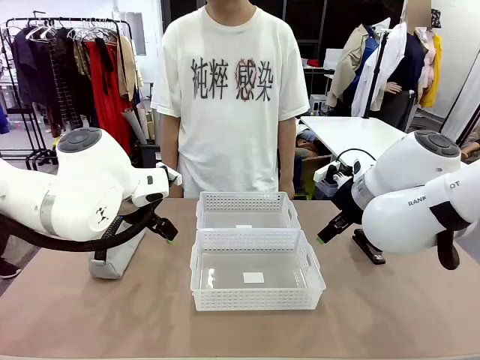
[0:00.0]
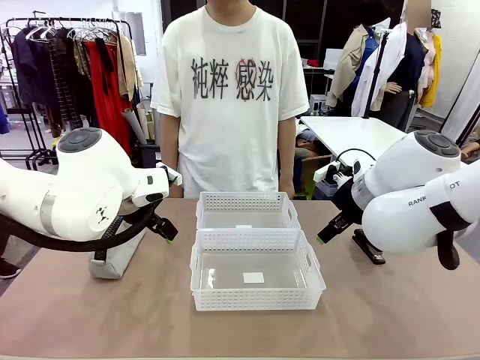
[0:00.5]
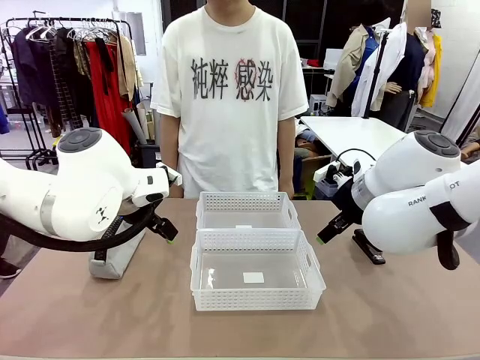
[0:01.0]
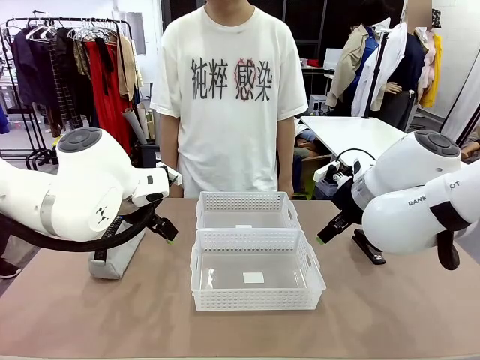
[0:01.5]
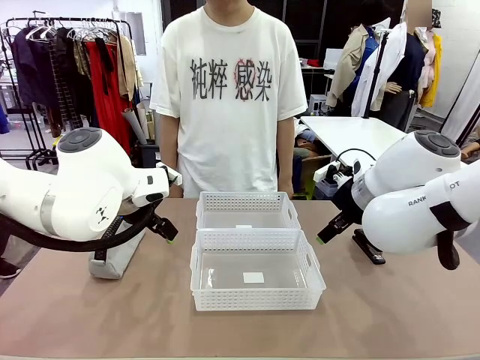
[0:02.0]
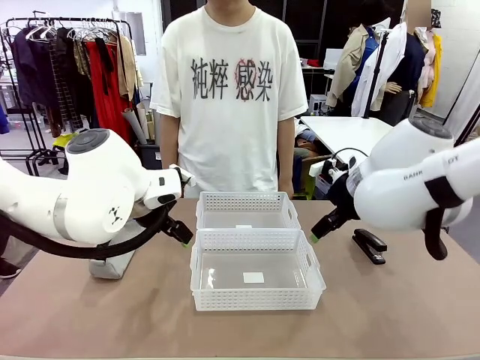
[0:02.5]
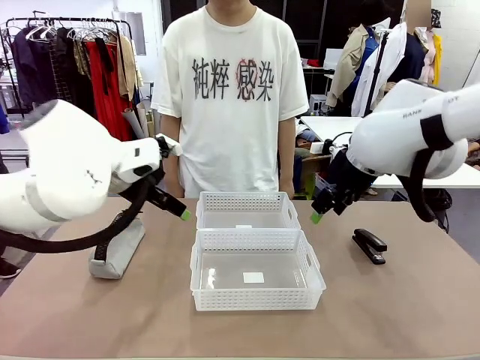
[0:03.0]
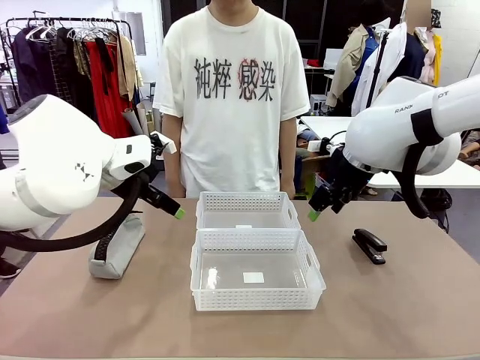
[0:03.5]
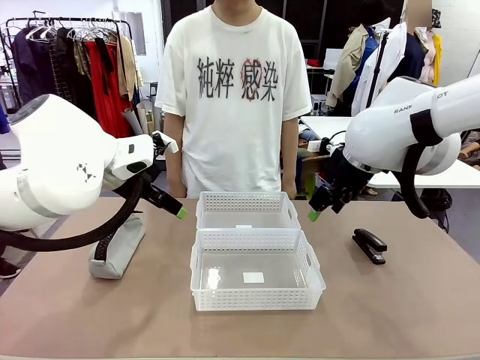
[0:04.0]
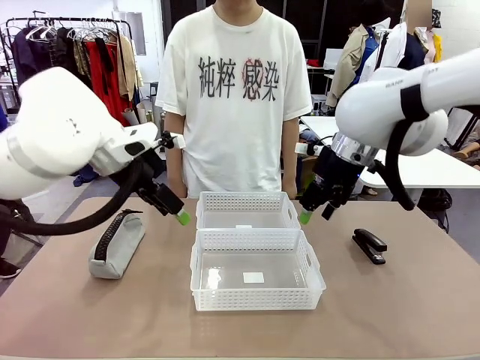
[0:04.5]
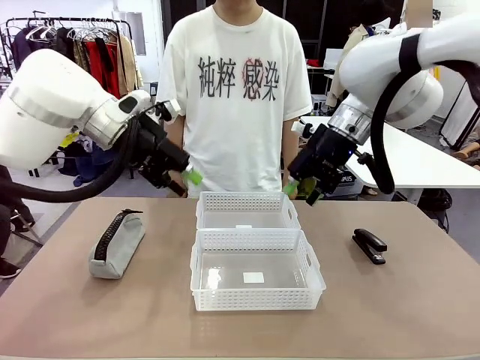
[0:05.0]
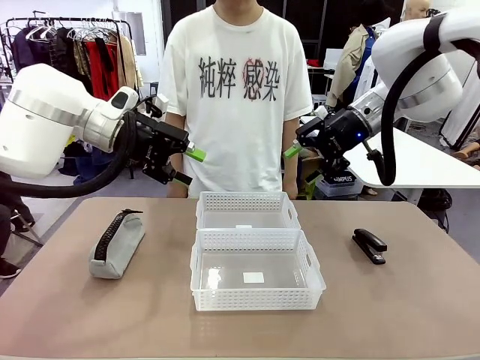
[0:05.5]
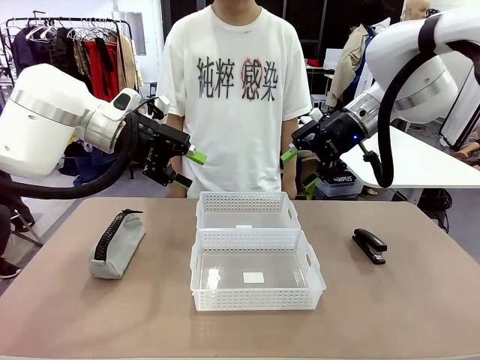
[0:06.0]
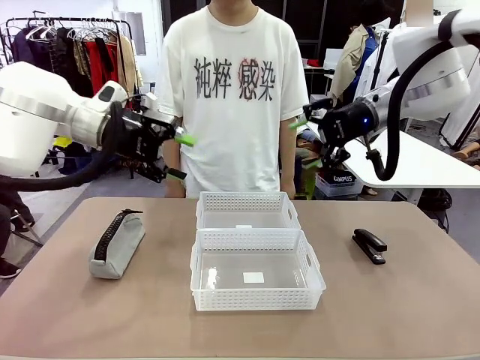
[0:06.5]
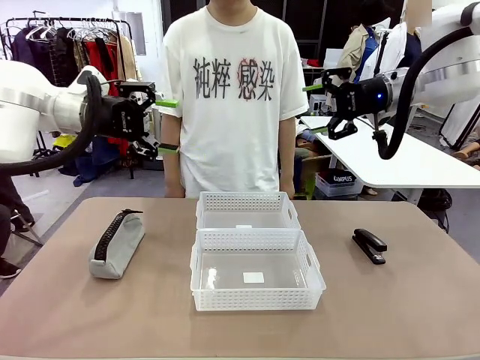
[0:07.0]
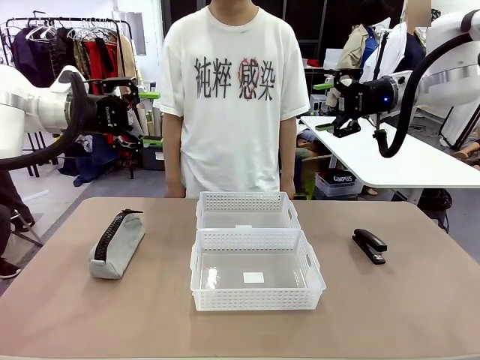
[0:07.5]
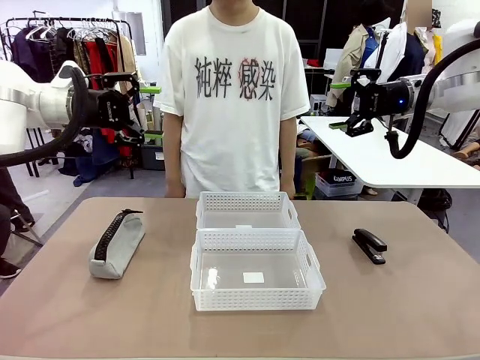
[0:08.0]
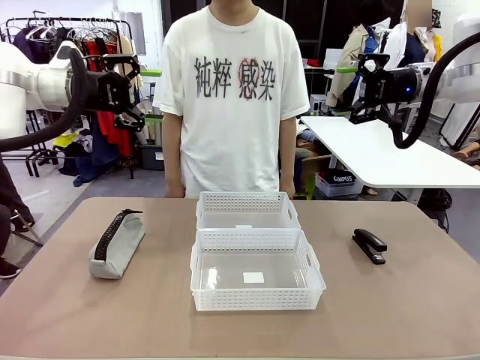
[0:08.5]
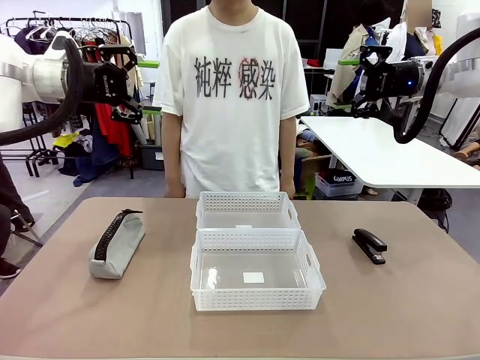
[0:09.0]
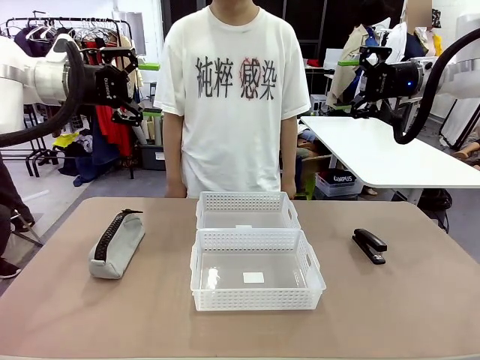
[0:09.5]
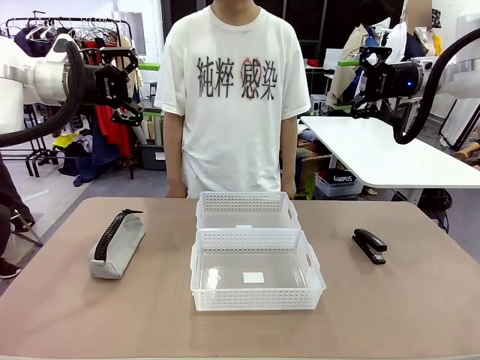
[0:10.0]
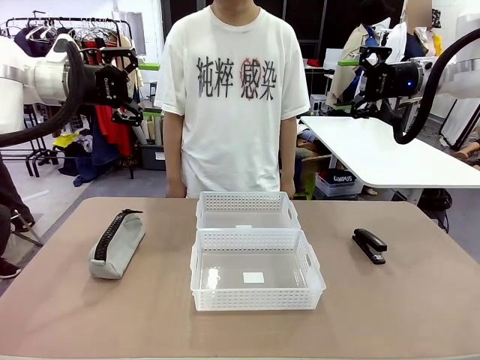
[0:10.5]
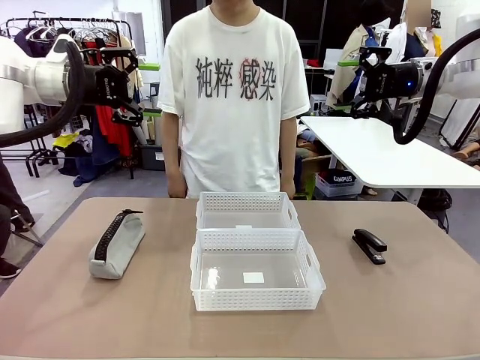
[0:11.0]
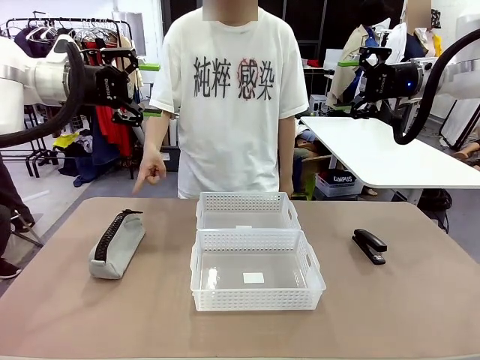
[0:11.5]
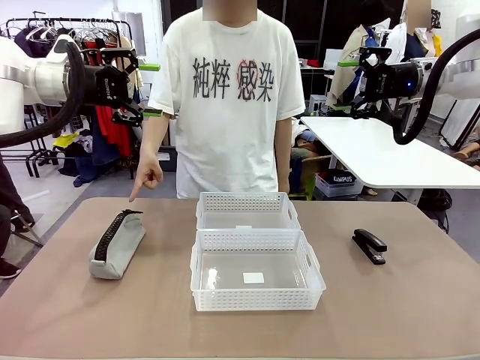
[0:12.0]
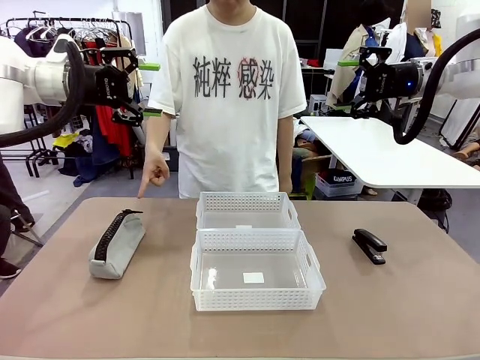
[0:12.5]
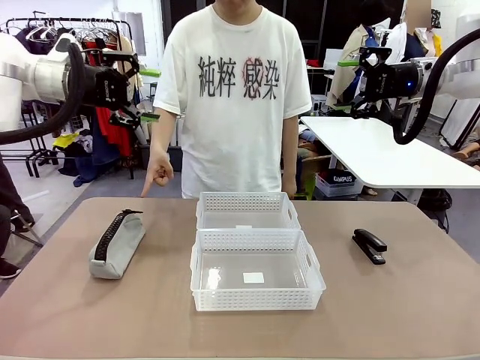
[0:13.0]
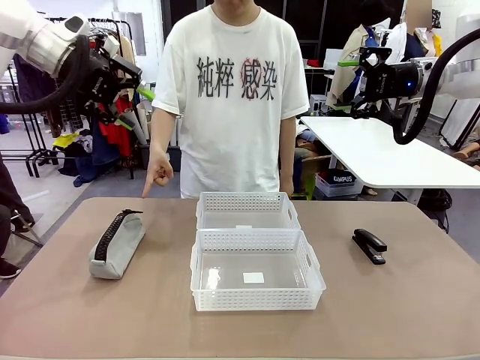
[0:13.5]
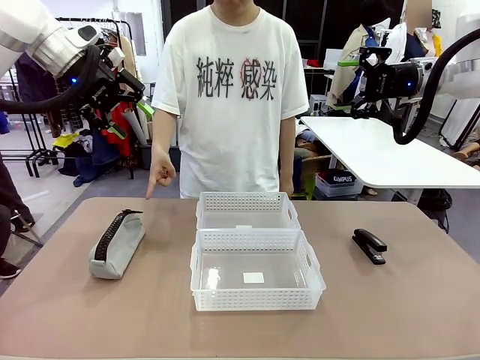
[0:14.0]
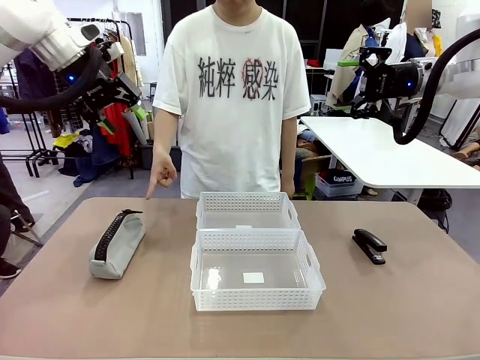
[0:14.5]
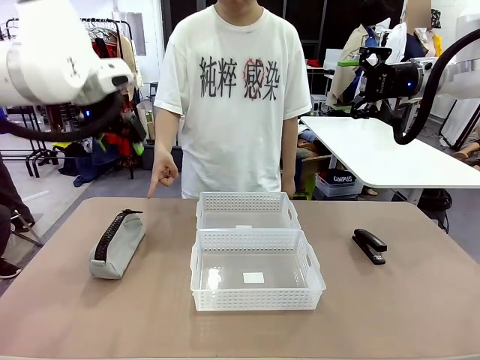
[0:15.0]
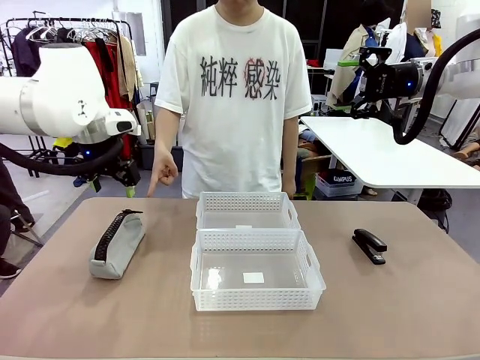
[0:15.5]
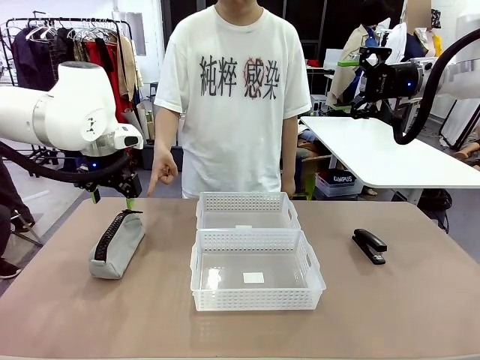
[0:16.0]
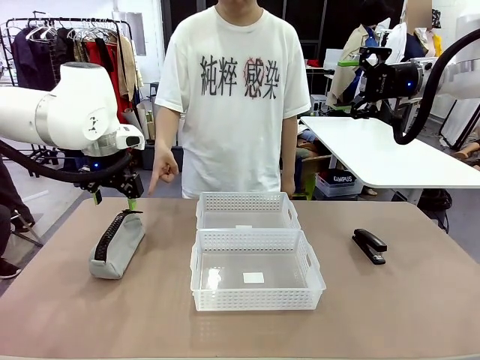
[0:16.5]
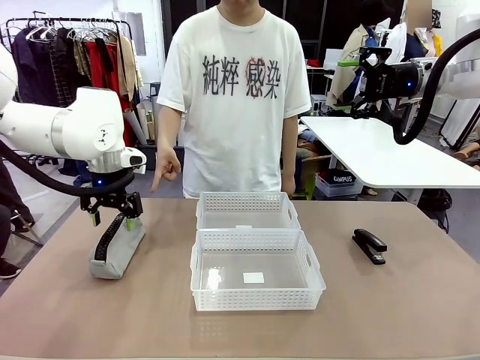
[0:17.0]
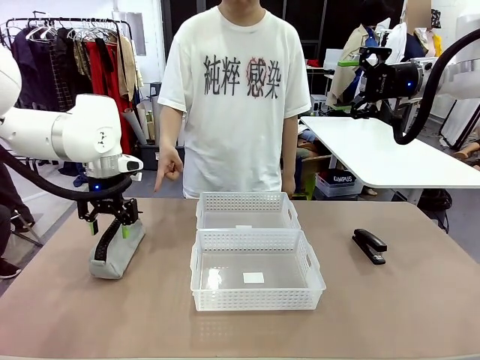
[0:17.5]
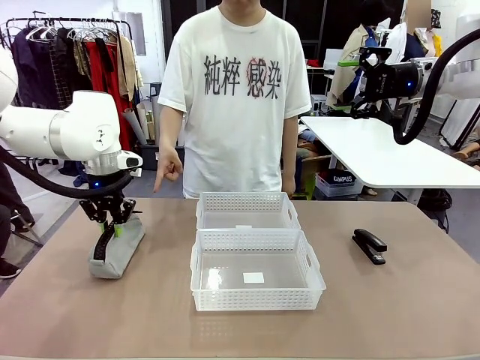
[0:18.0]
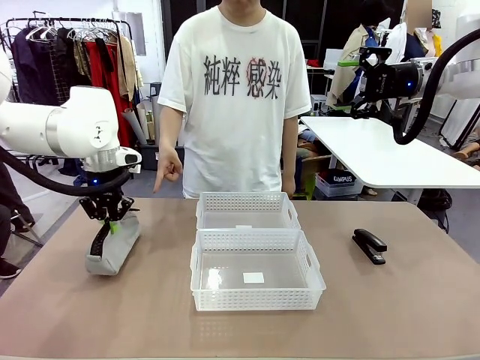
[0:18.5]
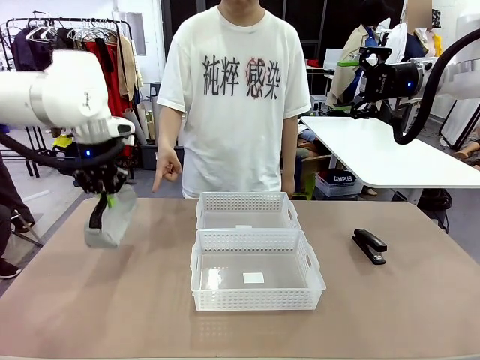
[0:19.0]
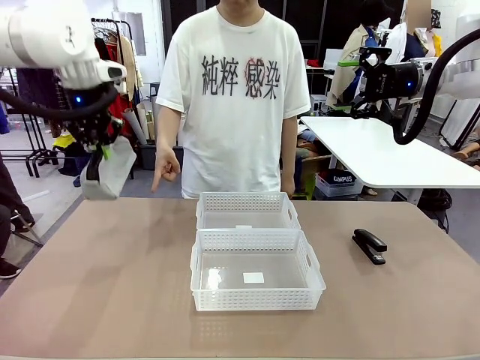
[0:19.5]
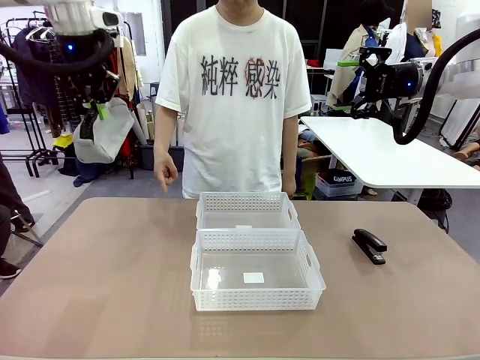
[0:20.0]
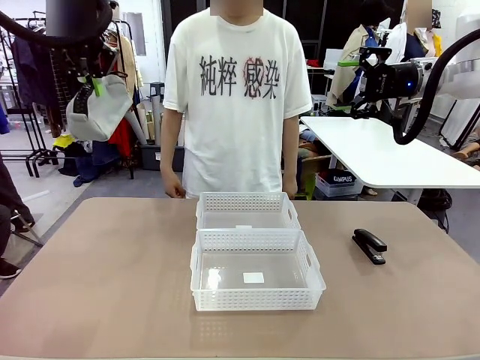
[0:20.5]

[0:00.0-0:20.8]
Task: Distribute items into two baskets.
Robot: Pick up the Pencil pouch that the person points to.
Person: Points to the pencil case. Points between the two organizing baskets and instructs the robot to move the pencil case.

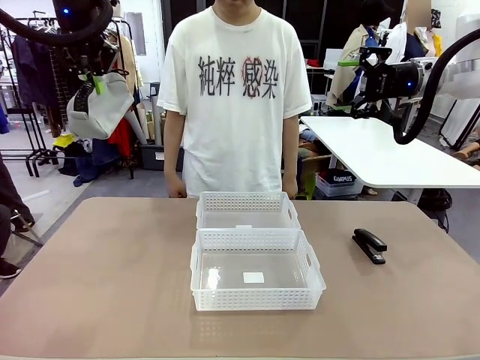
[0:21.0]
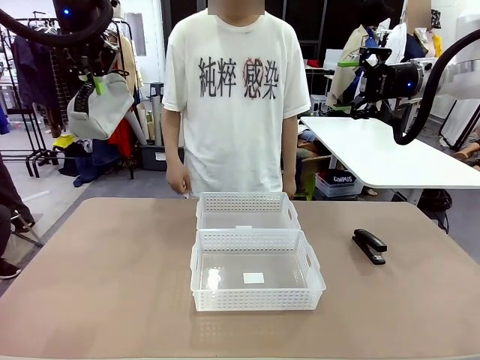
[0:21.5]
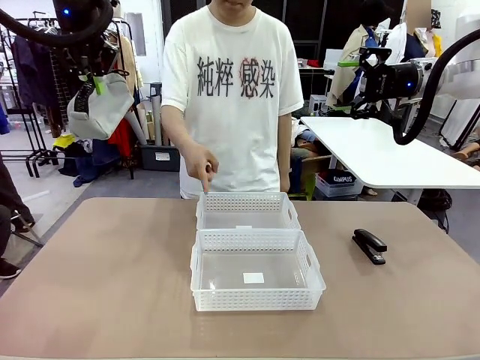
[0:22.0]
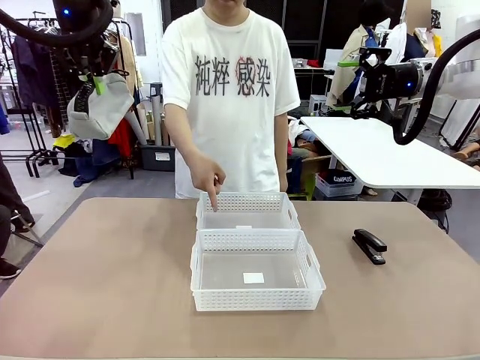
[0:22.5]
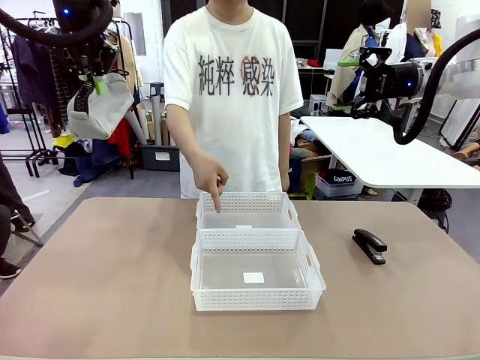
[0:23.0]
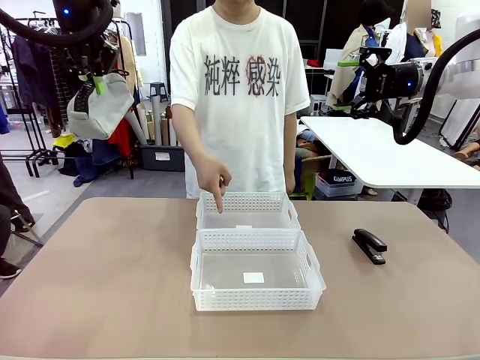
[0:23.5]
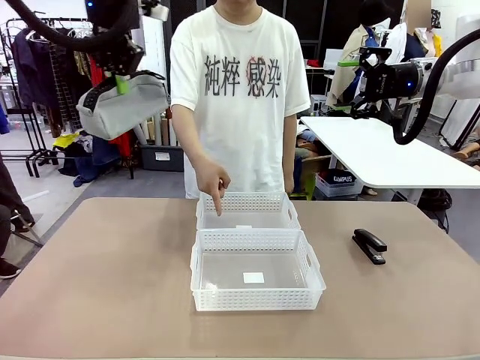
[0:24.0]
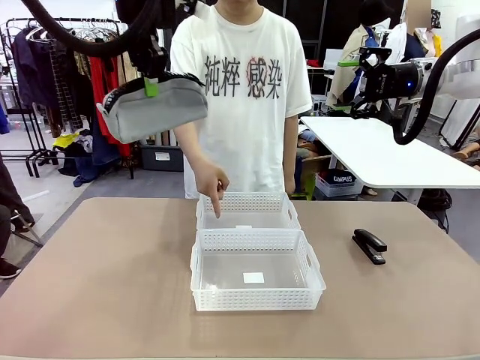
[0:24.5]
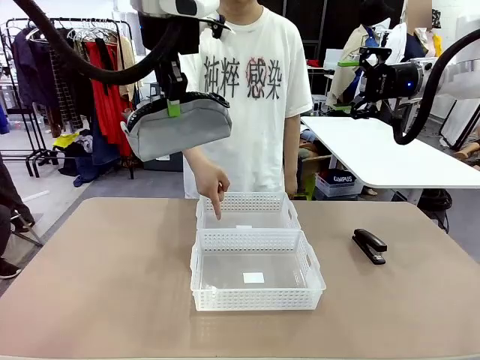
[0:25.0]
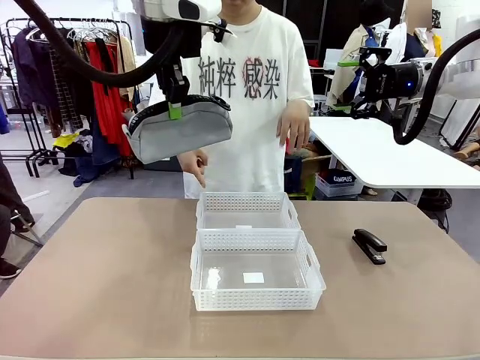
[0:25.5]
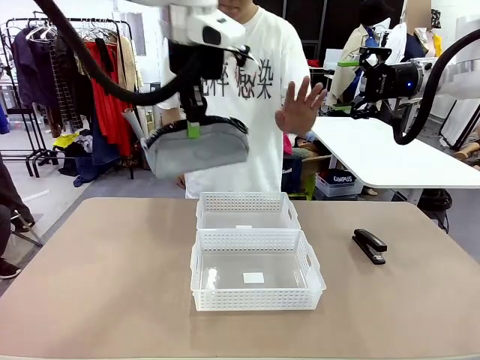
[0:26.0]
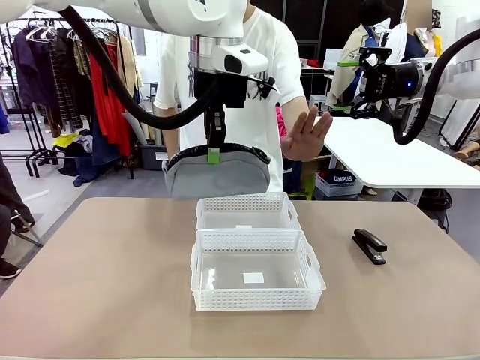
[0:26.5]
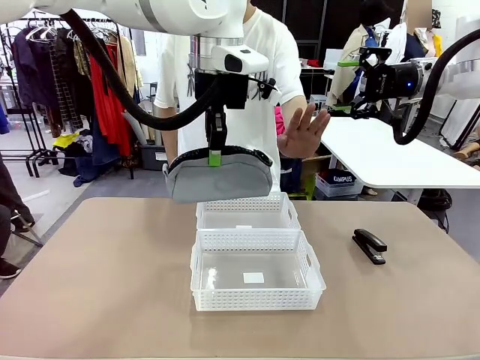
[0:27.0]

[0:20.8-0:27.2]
Robot: Move the picked Pencil pouch towards the Organizing basket indicated by the person, stopping as directed.
Person: Sends a stop gesture before the robot places the pencil case into the basket.
